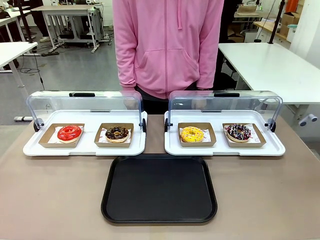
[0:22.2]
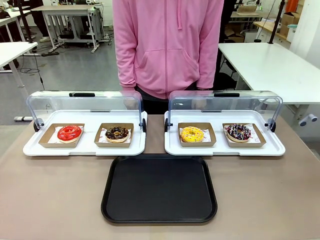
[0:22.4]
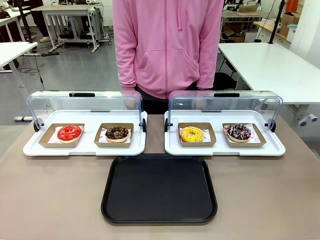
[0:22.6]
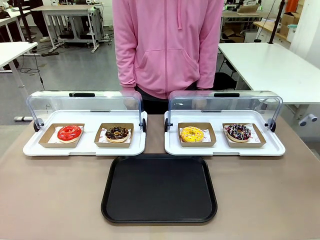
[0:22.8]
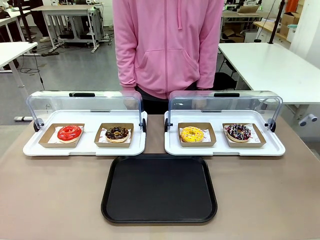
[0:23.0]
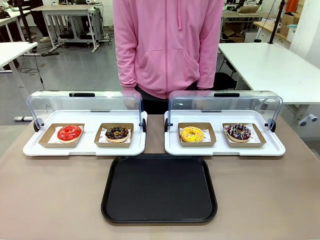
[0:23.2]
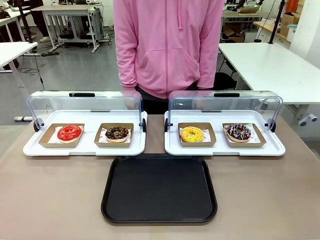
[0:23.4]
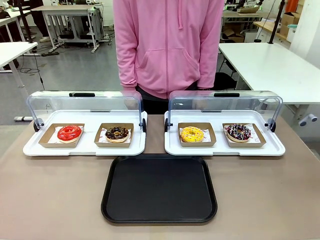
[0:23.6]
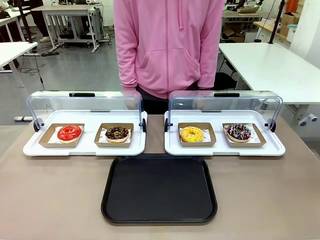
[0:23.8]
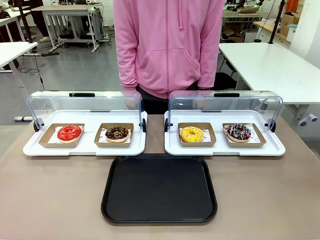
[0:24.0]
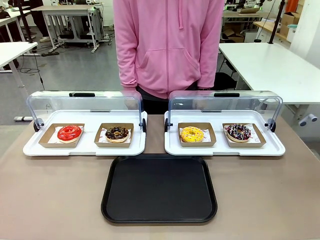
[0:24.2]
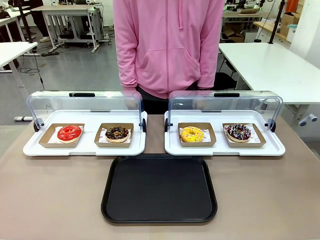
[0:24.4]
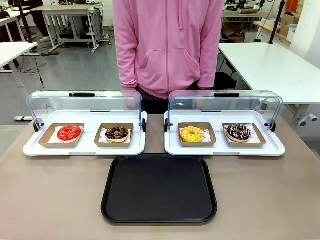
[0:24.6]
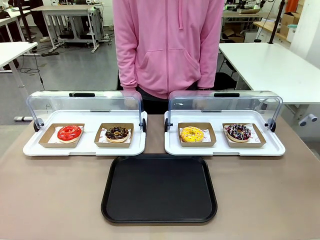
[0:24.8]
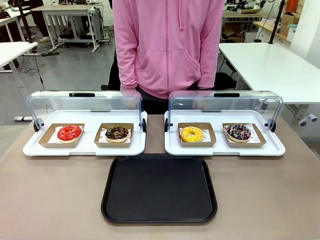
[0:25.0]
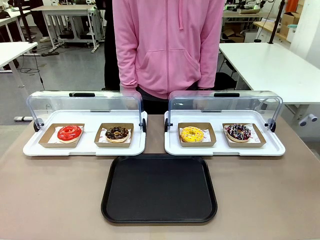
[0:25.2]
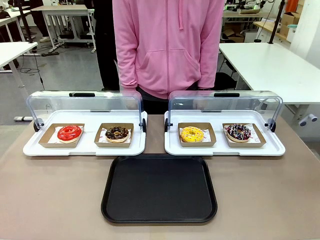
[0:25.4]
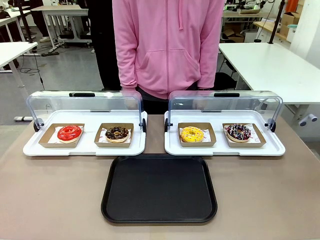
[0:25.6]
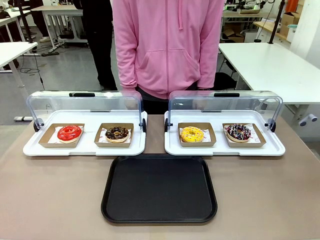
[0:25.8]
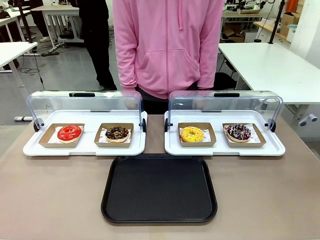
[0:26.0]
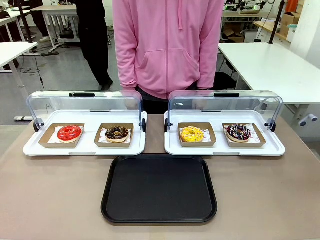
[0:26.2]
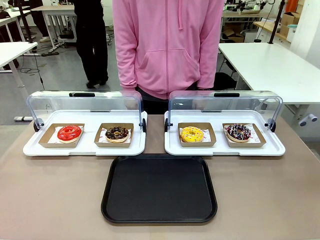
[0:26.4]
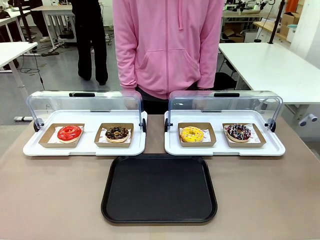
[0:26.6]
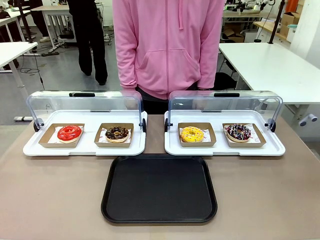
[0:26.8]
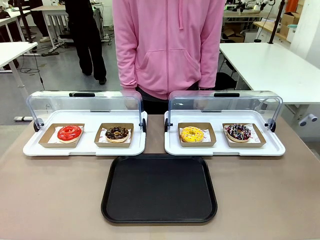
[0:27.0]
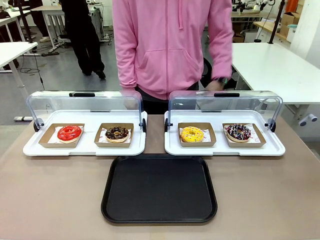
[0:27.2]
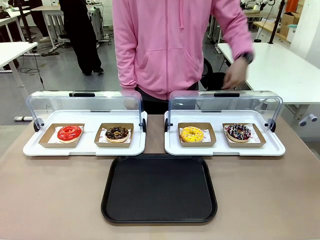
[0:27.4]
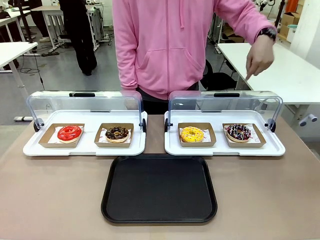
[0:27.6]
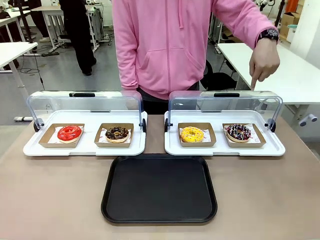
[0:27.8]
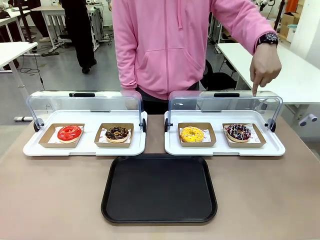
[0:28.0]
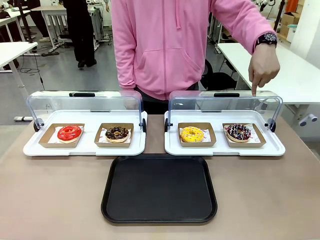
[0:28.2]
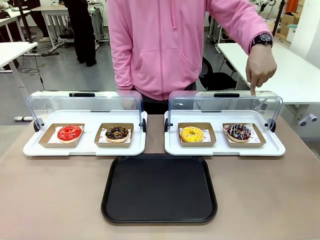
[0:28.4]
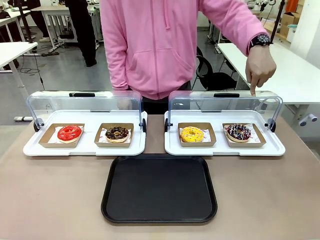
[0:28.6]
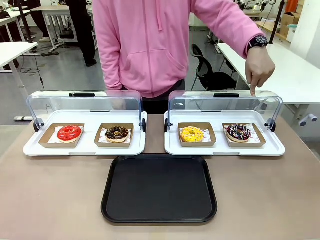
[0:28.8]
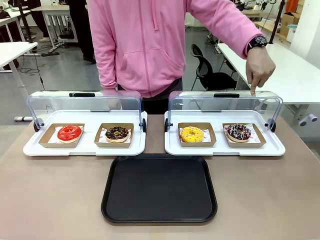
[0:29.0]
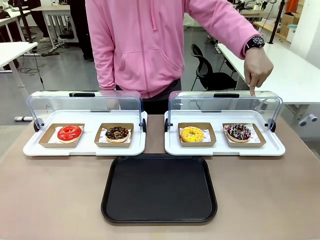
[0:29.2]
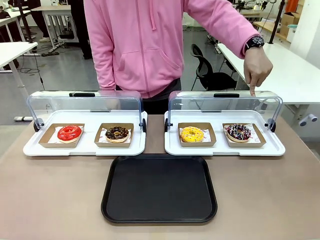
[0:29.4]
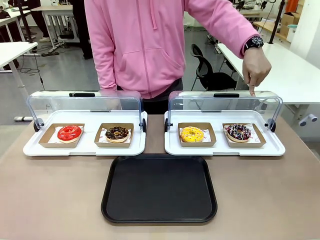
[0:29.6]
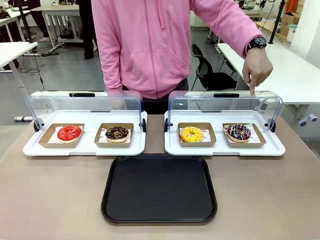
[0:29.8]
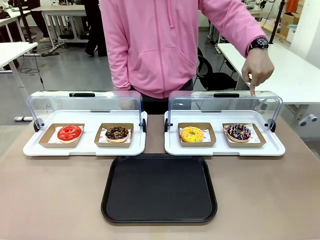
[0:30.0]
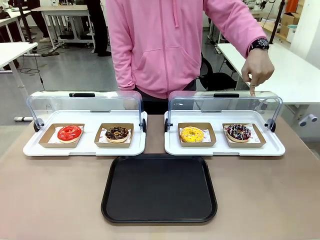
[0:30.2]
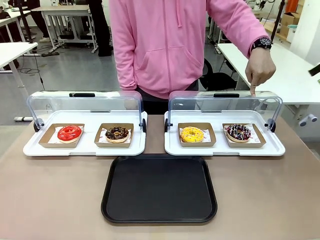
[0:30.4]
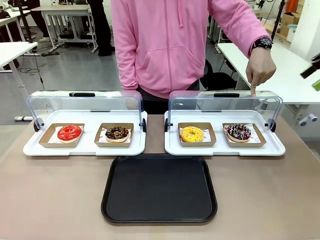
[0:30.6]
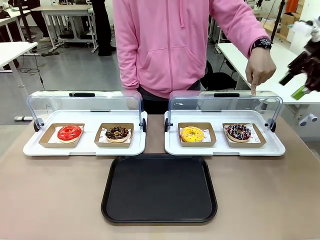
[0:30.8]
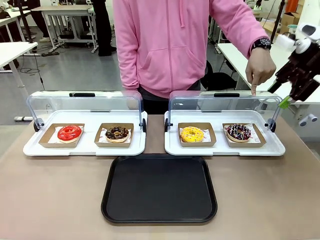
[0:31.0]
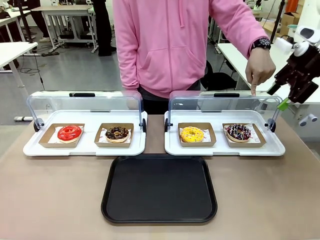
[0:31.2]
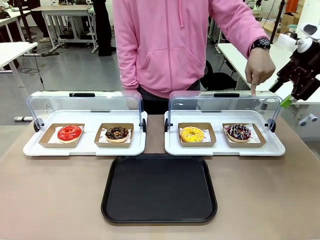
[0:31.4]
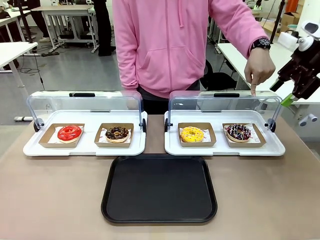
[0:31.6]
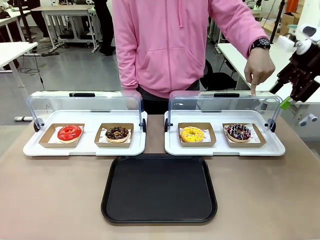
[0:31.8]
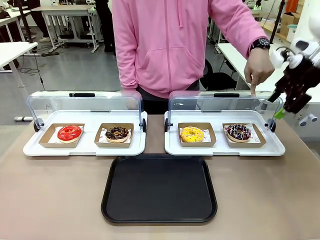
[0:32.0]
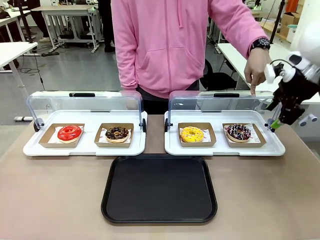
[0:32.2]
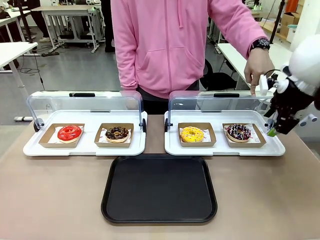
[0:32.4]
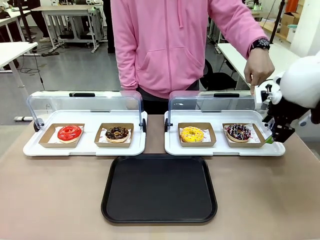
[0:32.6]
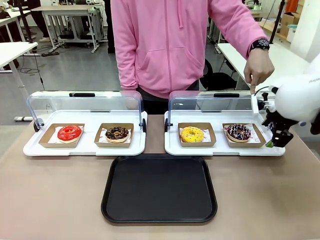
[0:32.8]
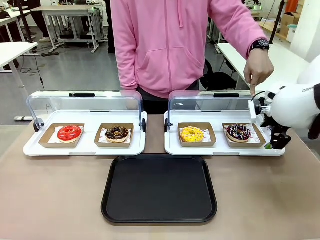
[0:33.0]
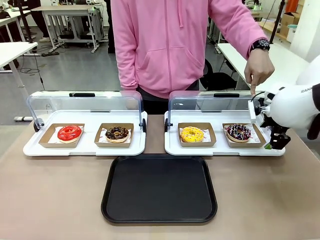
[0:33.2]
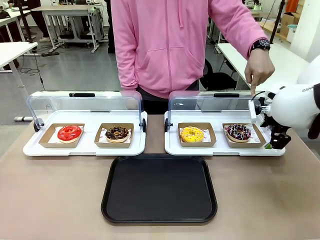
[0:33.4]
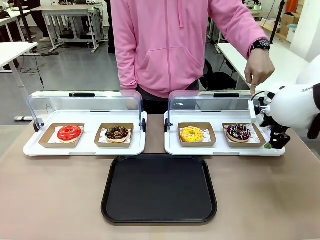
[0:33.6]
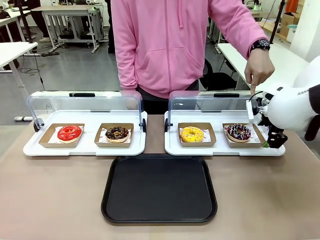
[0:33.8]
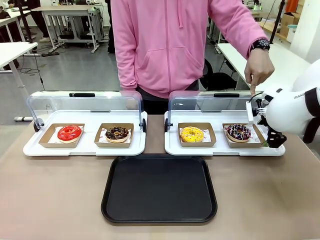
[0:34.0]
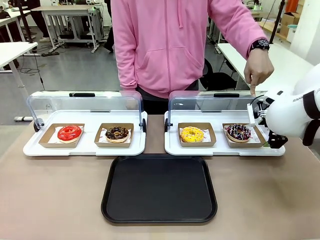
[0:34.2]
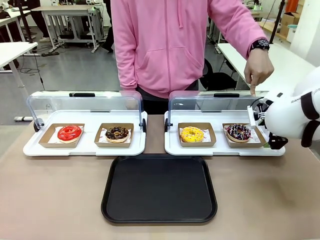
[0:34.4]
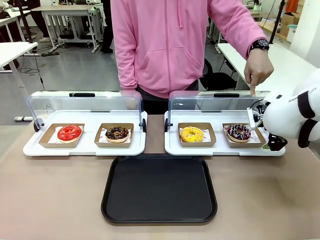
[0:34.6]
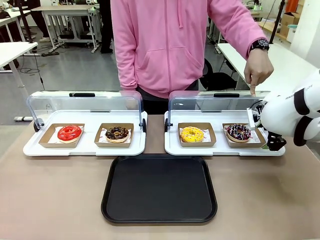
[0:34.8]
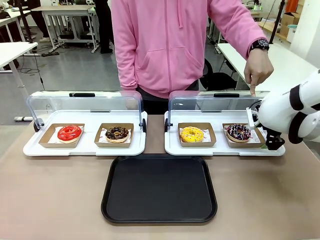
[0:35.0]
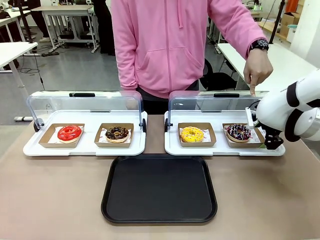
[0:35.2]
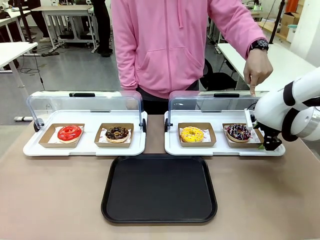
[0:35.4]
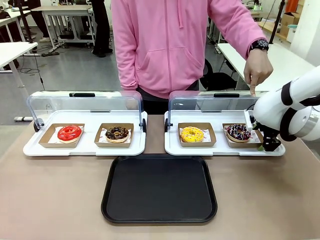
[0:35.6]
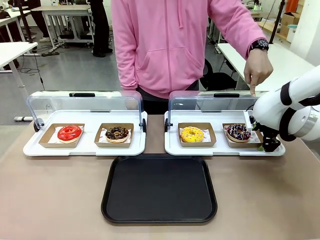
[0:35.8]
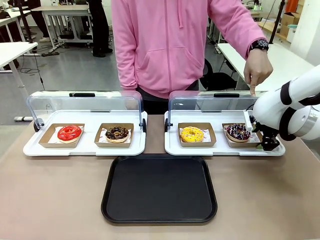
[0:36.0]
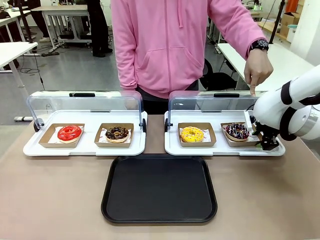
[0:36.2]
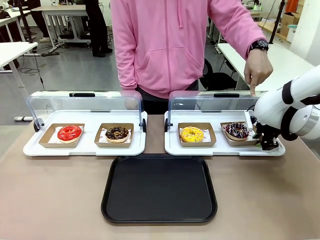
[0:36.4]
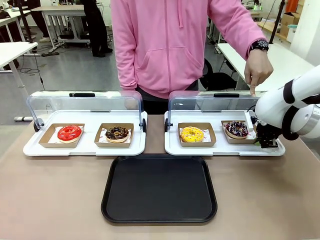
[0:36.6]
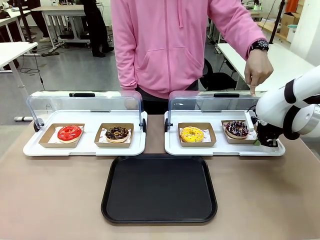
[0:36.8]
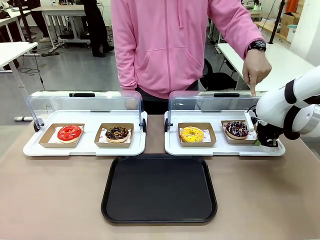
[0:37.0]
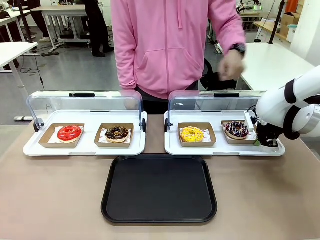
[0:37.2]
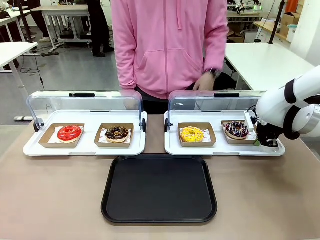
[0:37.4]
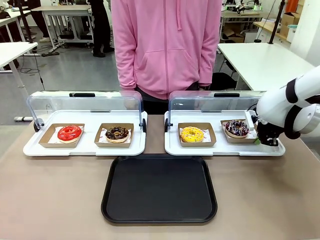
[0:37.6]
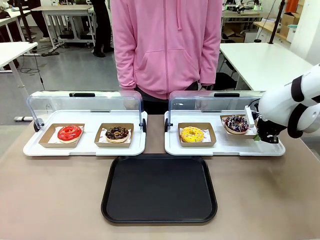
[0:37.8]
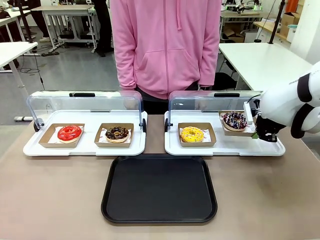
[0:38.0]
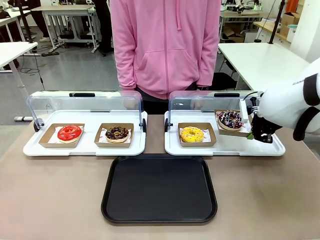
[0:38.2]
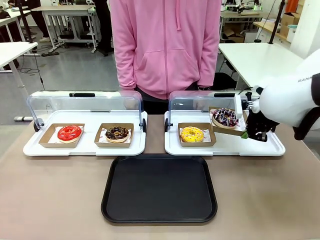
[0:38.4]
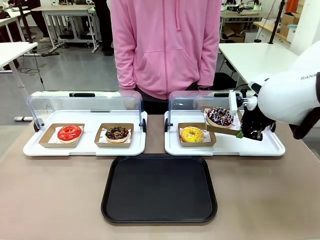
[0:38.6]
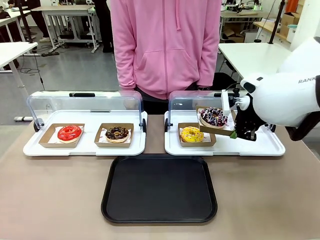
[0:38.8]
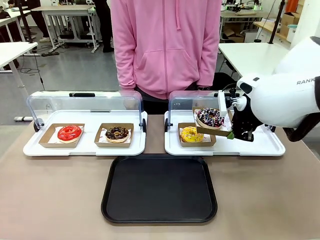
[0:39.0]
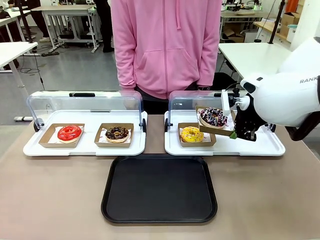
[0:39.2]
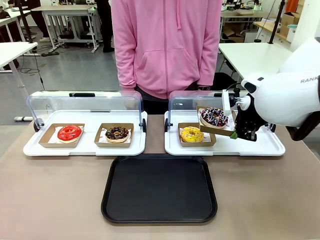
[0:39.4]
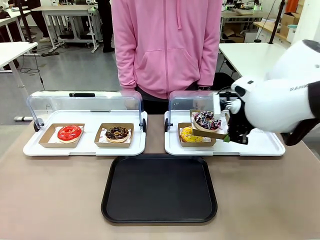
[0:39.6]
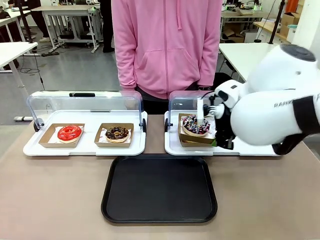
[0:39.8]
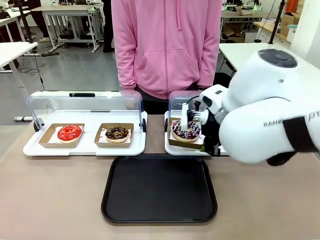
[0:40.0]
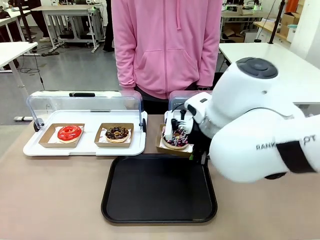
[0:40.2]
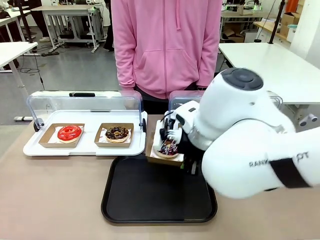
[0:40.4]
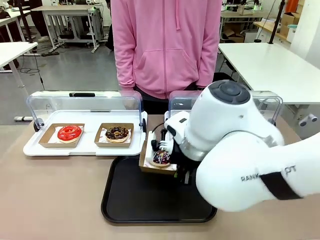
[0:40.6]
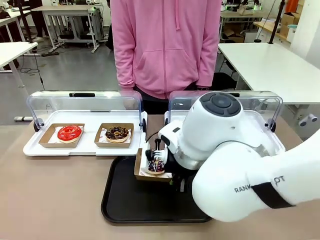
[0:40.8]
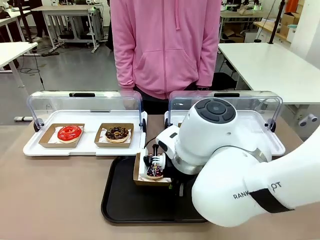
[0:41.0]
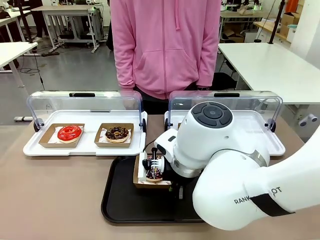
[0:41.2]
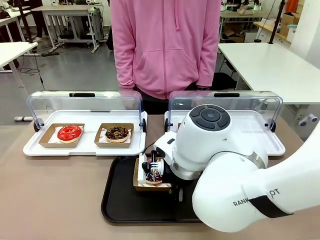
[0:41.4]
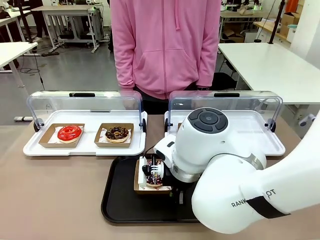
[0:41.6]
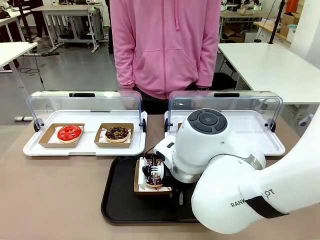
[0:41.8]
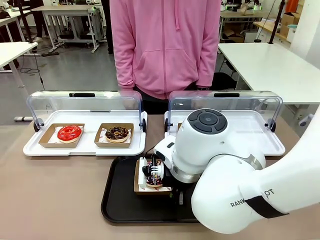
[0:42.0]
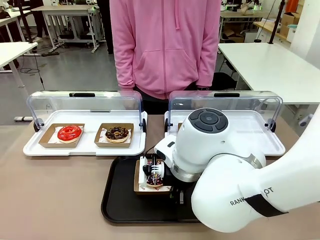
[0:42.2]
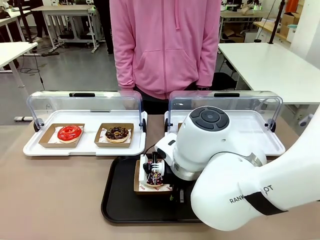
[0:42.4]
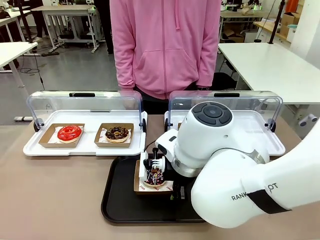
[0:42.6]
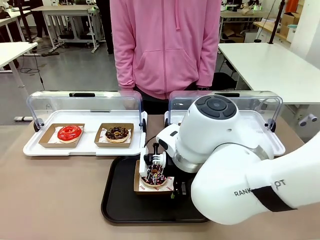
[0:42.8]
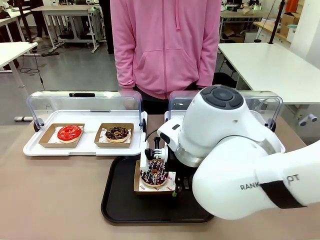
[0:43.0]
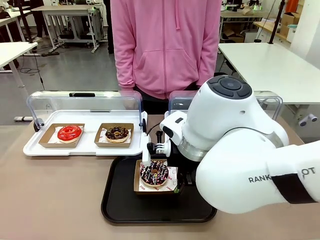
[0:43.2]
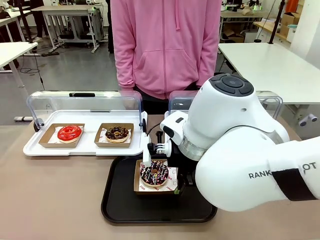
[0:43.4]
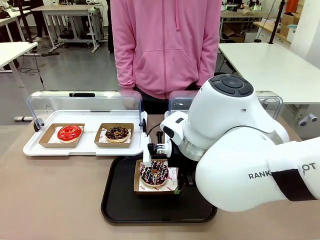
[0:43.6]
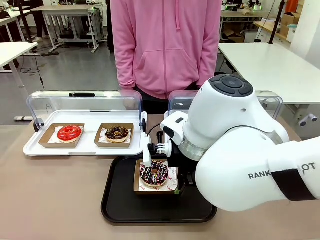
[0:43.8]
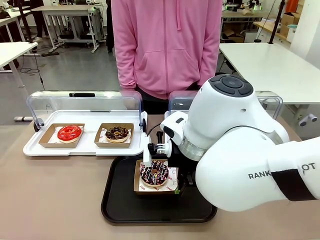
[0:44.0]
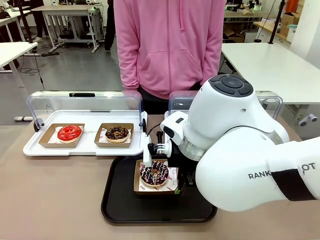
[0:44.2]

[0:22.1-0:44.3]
Task: Move the fourth donut from the left to the tray.
Robot: Pick up the Paper togo box containing the Donut indicated by the person and place it on the Handle tray.
Person: Points to the fourth donut from the left from the robot’s perspective.
